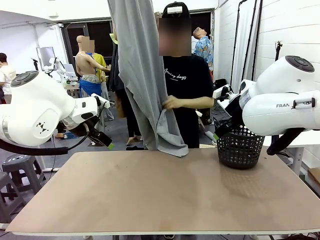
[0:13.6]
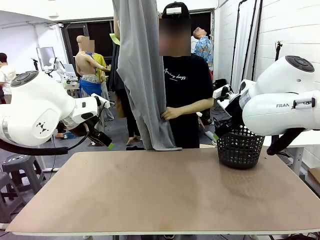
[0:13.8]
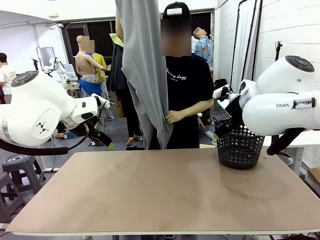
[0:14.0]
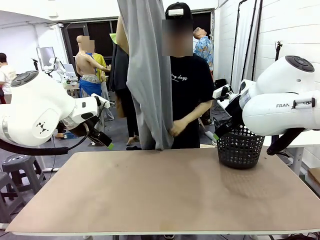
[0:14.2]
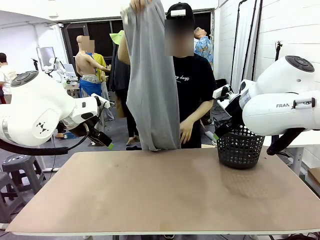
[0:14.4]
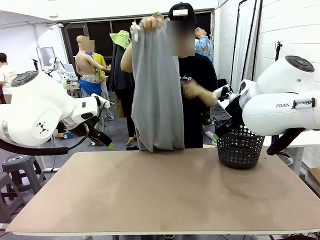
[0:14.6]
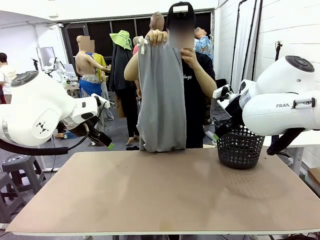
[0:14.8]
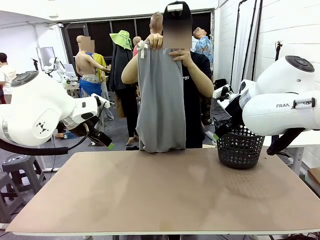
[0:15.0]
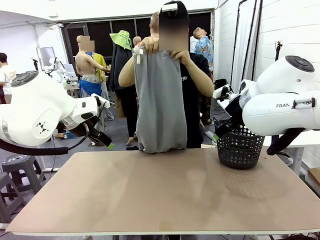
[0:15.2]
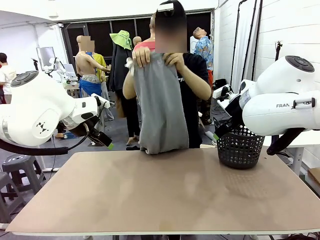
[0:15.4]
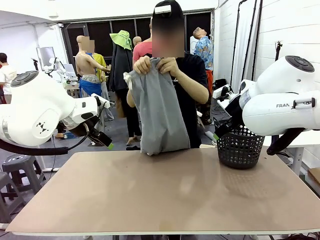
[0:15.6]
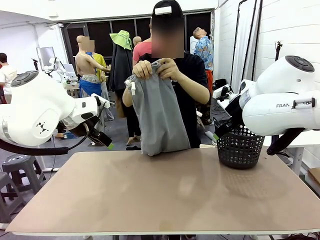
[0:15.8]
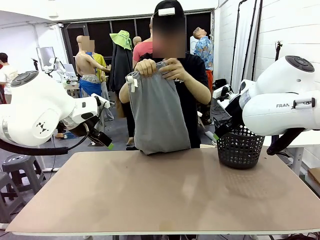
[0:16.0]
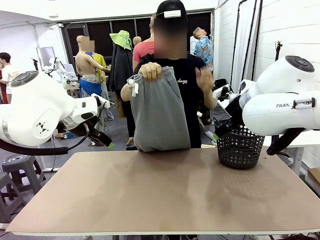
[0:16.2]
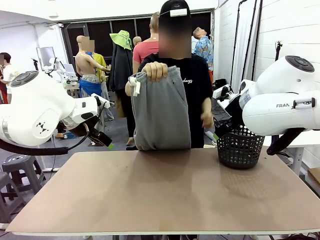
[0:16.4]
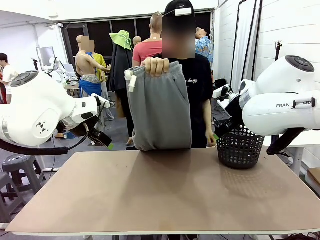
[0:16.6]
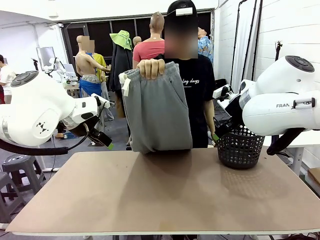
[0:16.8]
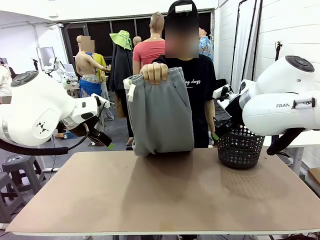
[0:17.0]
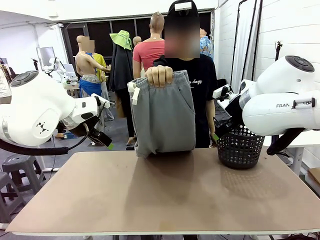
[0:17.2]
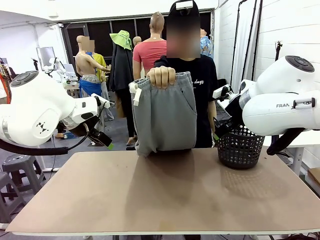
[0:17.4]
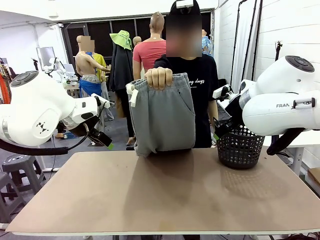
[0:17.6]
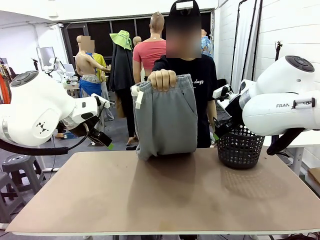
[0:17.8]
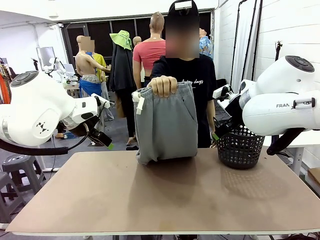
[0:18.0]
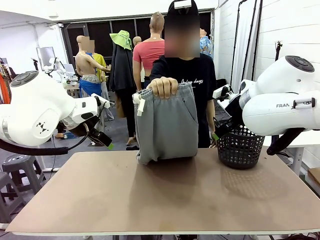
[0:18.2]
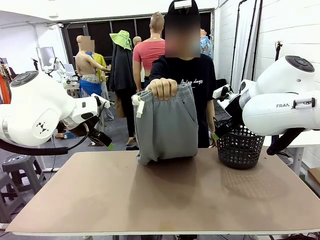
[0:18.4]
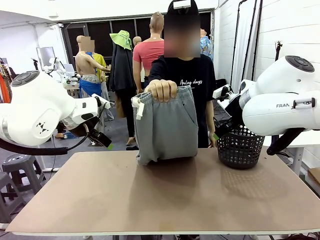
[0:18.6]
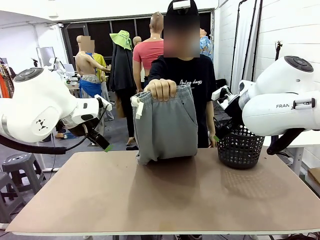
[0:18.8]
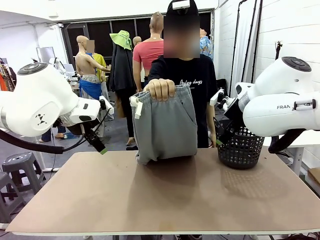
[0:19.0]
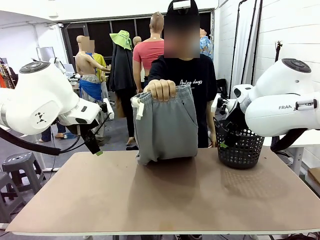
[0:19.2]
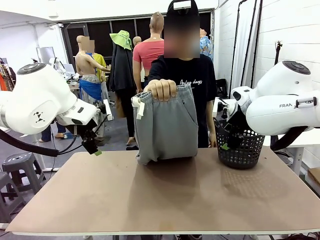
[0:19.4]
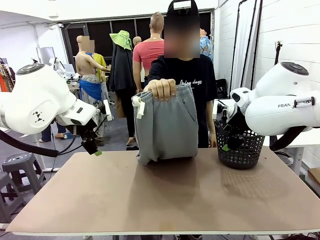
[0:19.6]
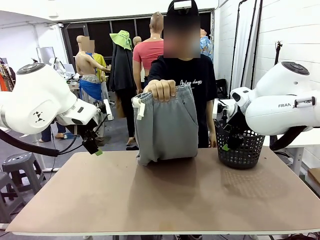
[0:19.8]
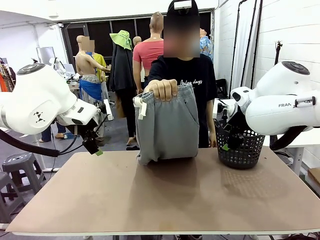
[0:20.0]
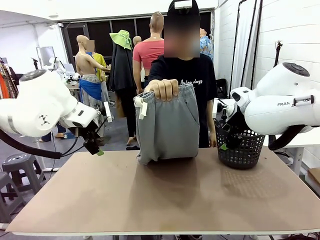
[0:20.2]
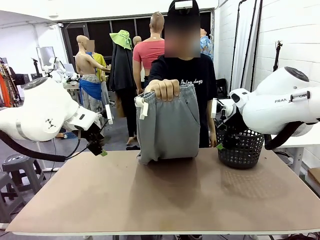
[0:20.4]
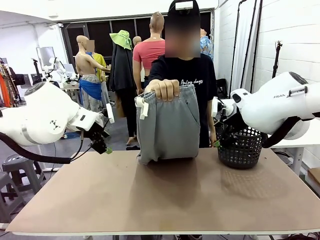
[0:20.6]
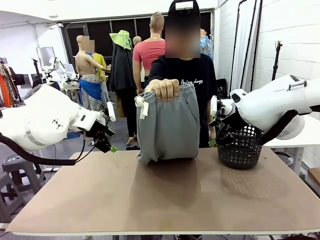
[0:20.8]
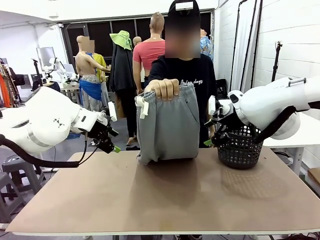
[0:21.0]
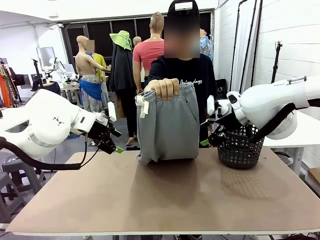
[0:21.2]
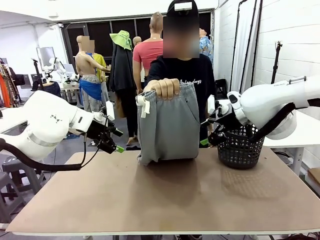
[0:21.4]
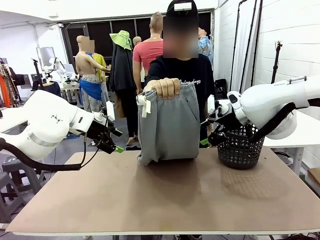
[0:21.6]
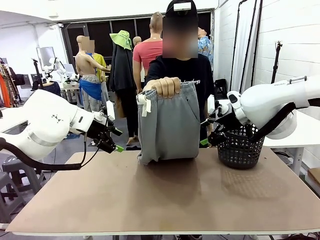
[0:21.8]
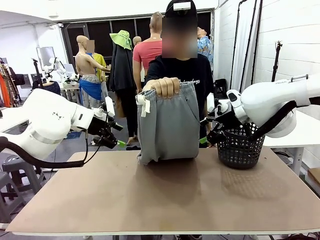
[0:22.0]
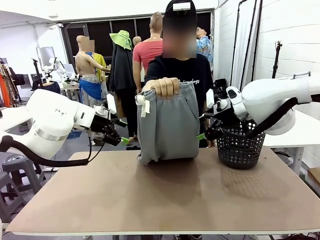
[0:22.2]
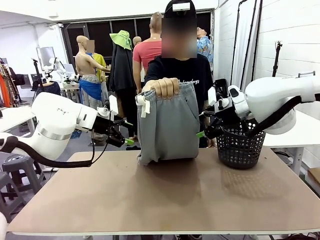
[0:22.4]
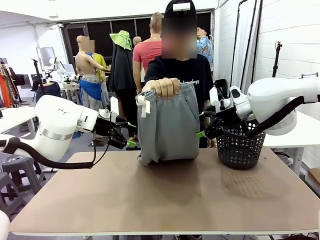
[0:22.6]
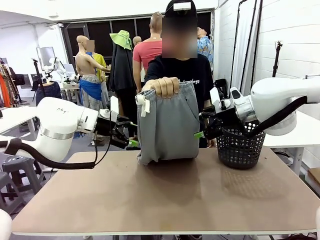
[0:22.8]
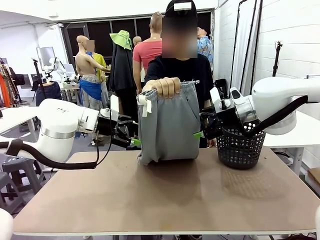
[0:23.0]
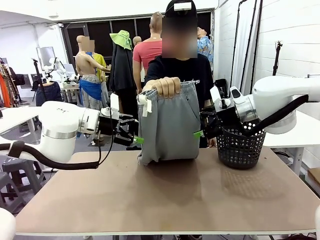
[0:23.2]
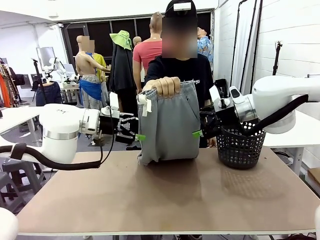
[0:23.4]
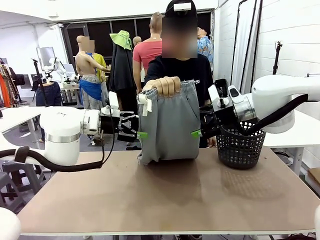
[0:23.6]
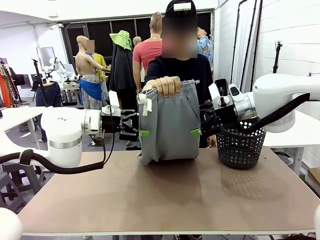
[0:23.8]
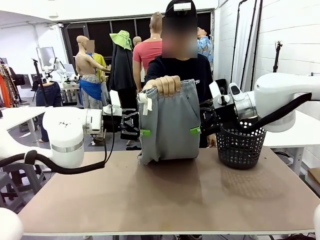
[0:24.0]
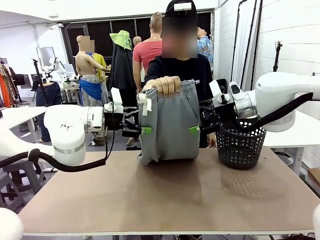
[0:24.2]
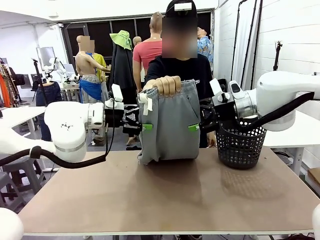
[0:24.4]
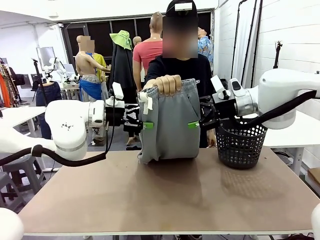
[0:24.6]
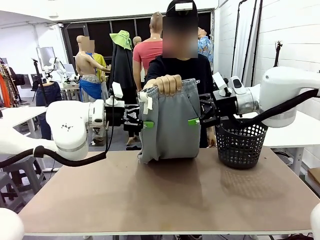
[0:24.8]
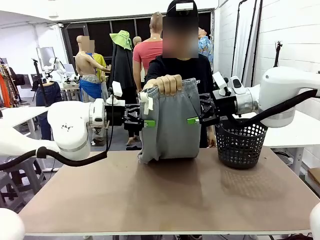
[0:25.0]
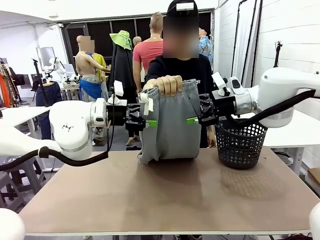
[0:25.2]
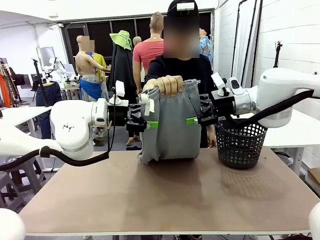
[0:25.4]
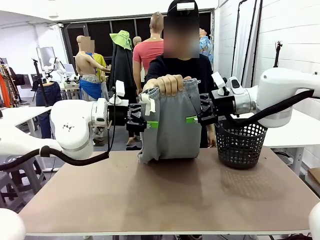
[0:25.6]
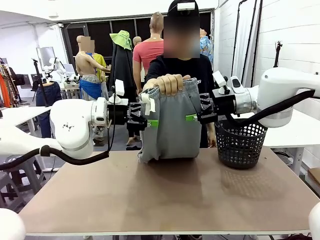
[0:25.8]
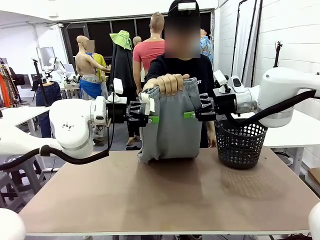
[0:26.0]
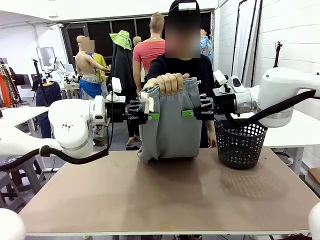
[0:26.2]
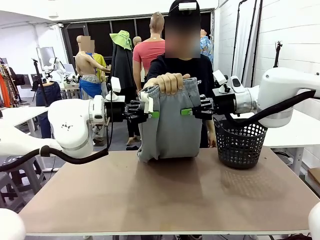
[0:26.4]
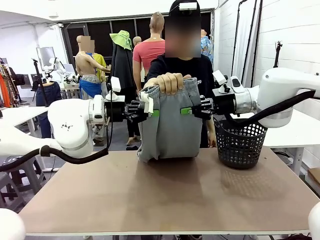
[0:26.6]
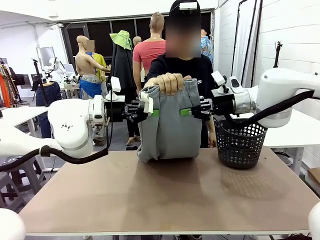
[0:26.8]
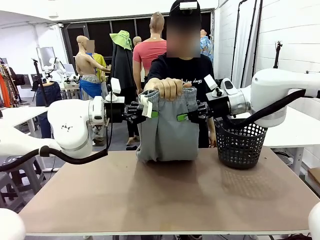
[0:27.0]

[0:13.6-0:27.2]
Task: Fold the training pants.
Robot: Grab both ends of the Training pants handed by a person.

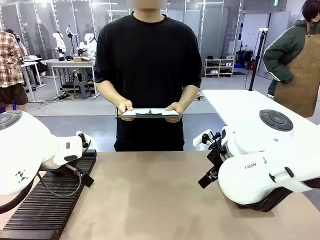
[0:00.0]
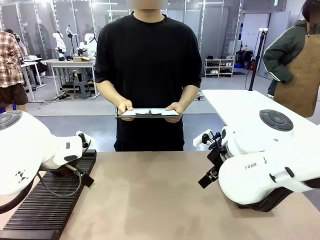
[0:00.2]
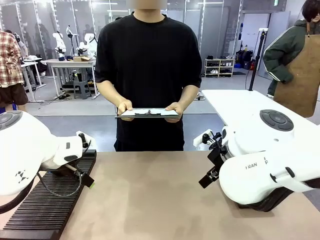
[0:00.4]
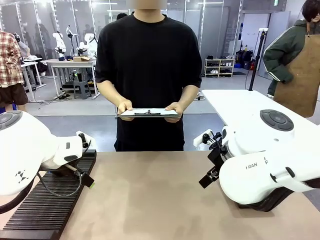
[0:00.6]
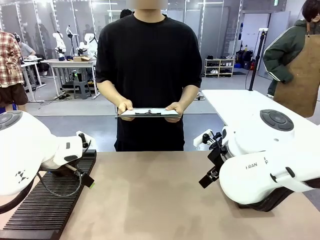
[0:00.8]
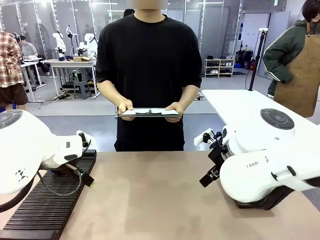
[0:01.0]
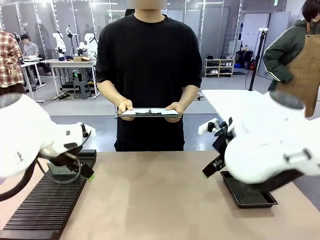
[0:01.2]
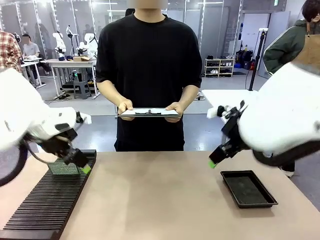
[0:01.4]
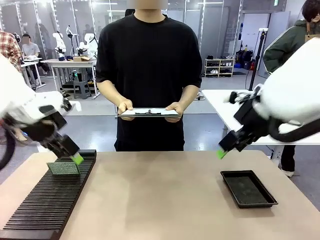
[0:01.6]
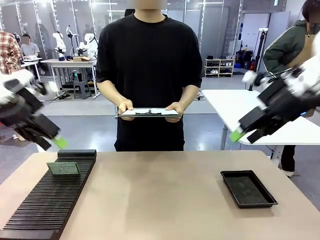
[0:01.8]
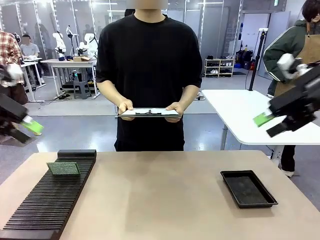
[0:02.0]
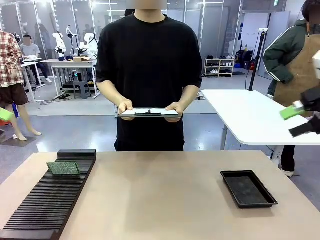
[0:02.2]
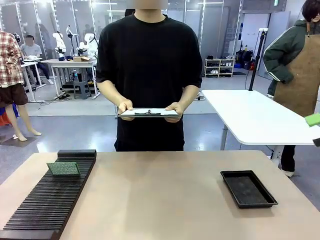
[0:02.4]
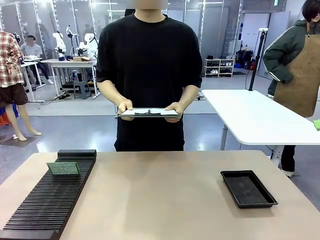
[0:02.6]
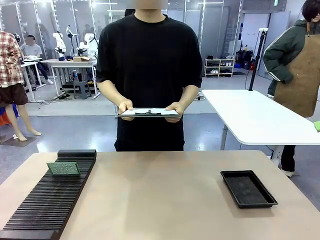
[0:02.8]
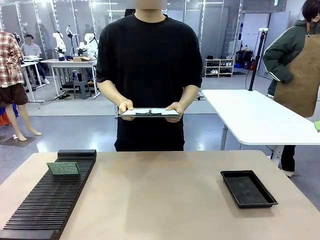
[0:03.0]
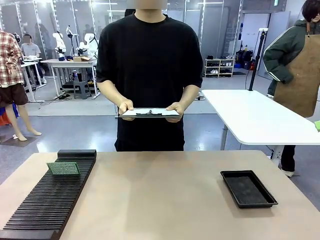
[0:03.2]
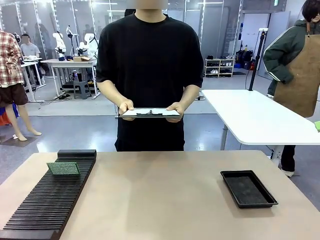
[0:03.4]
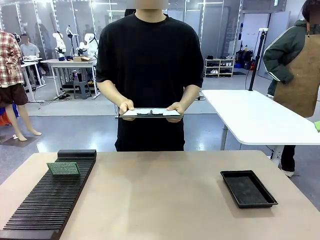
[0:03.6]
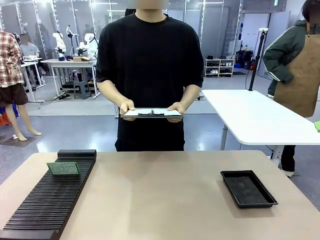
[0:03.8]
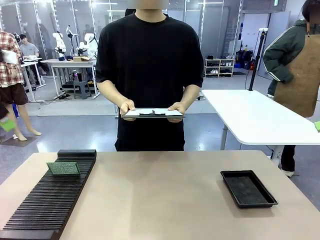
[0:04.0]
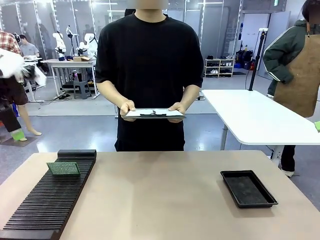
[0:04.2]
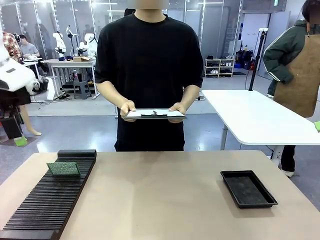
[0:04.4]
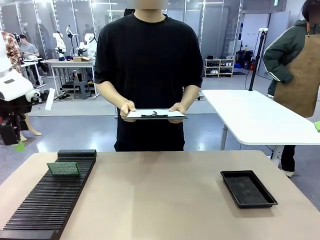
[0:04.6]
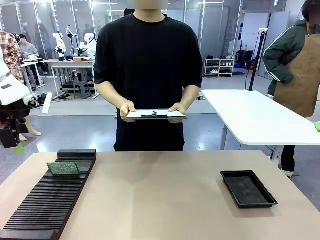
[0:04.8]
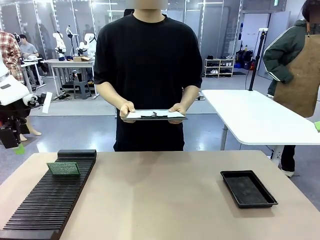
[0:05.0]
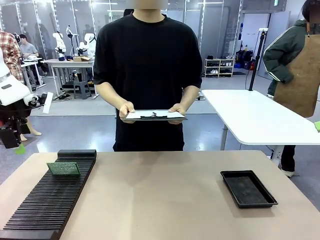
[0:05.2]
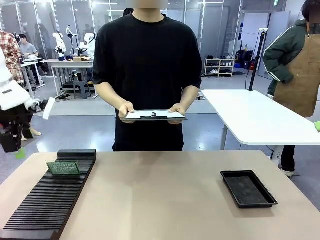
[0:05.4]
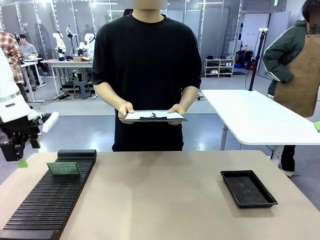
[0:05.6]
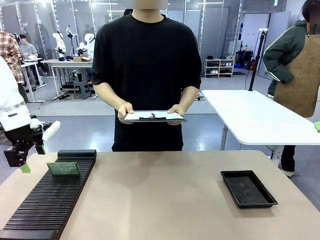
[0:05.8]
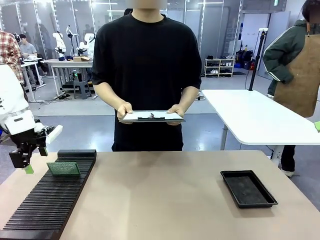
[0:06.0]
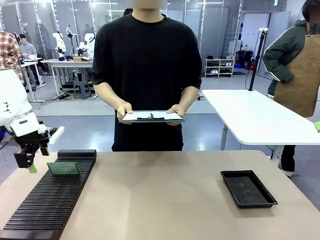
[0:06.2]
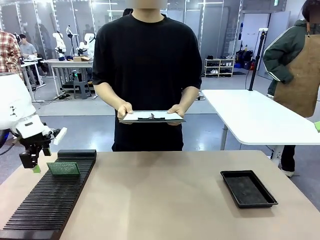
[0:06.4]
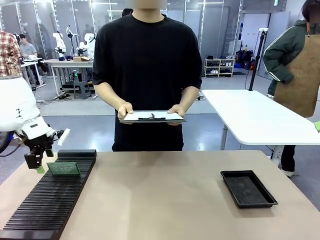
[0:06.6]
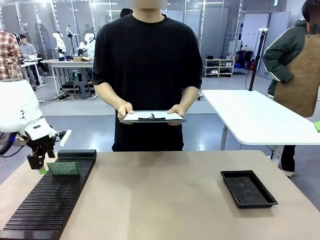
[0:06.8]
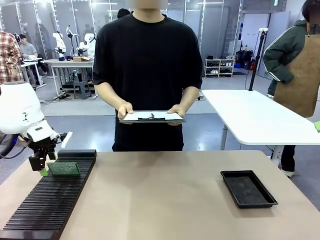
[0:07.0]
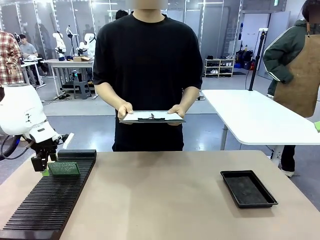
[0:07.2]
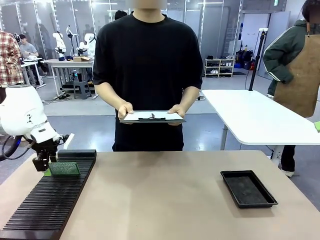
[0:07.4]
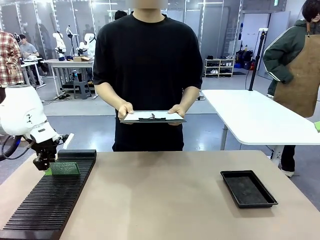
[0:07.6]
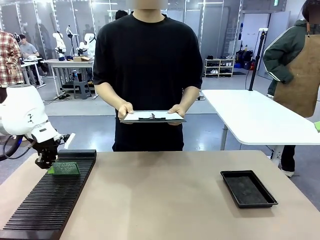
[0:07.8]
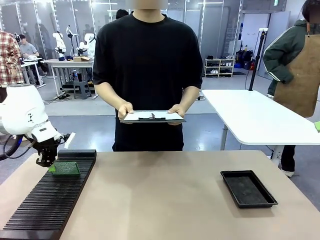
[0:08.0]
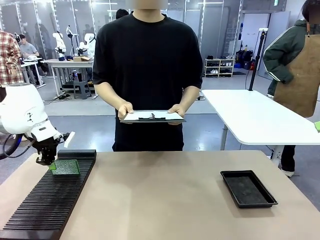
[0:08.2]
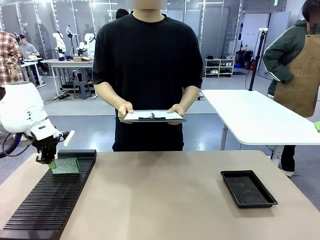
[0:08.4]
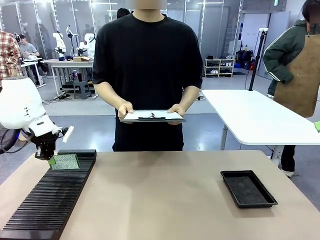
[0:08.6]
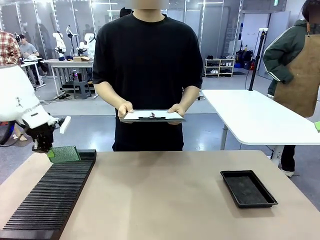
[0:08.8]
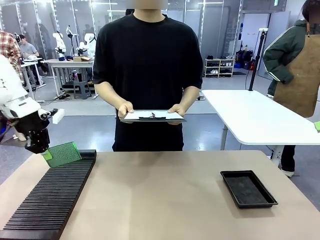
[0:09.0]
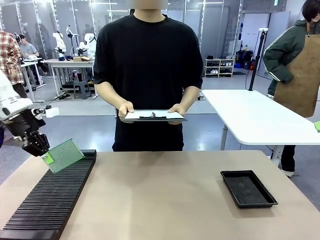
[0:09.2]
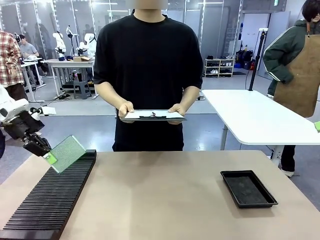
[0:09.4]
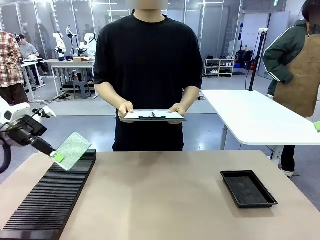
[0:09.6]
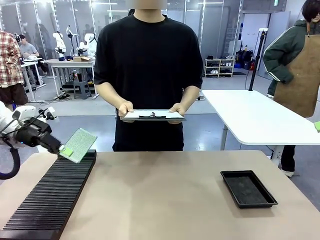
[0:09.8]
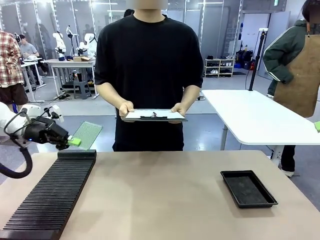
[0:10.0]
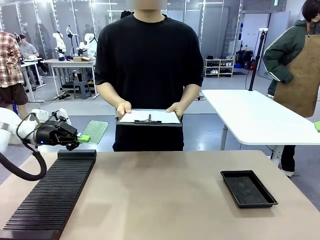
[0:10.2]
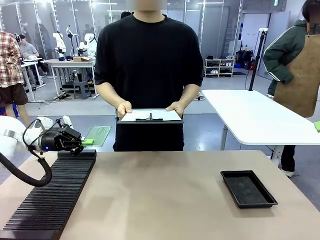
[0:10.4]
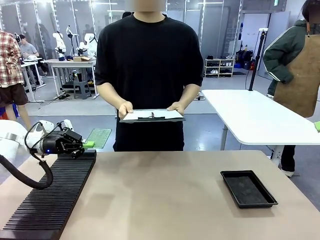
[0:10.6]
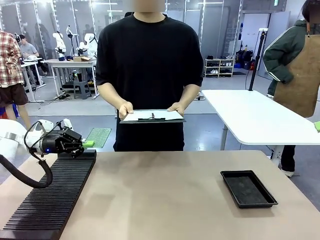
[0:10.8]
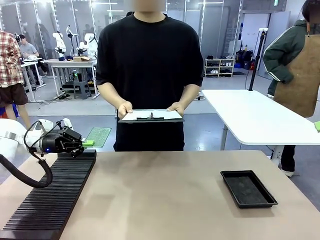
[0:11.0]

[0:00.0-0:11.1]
Task: Inspect the PCB.
Robot: Pick up the Blank PCB and present it to the human.
Person: Pick up the PCB presented by the robot.
